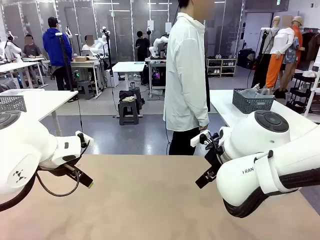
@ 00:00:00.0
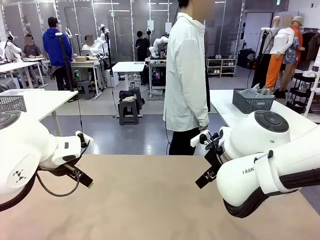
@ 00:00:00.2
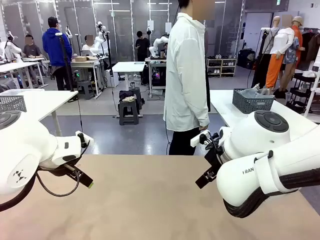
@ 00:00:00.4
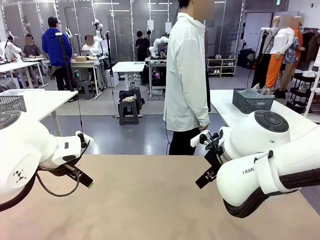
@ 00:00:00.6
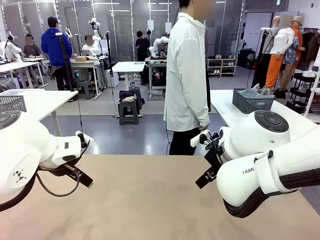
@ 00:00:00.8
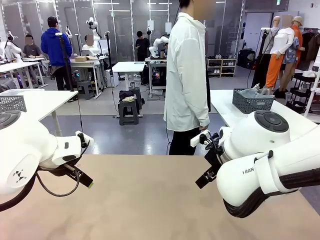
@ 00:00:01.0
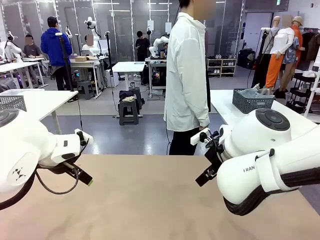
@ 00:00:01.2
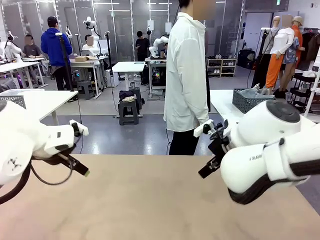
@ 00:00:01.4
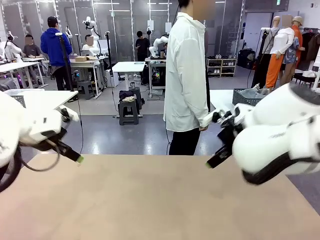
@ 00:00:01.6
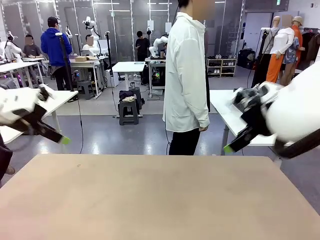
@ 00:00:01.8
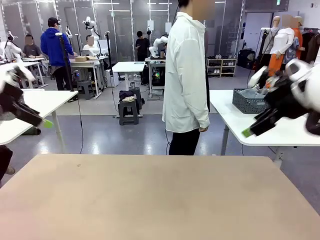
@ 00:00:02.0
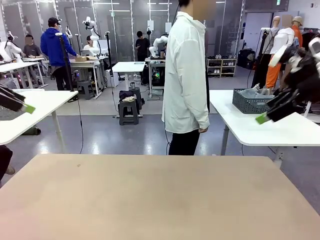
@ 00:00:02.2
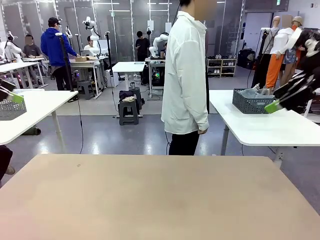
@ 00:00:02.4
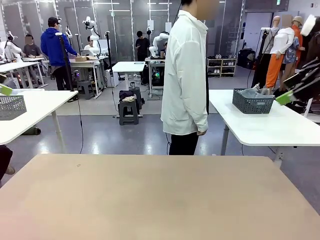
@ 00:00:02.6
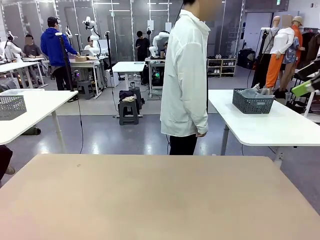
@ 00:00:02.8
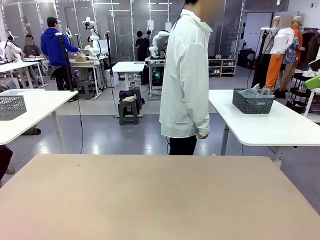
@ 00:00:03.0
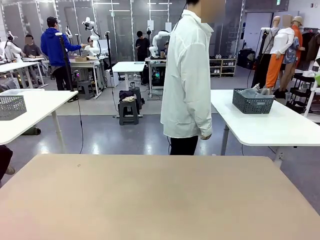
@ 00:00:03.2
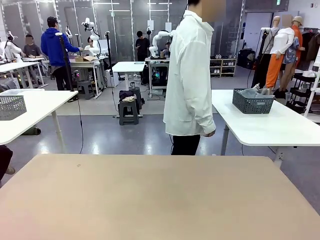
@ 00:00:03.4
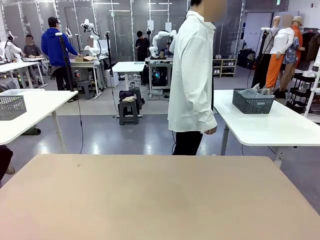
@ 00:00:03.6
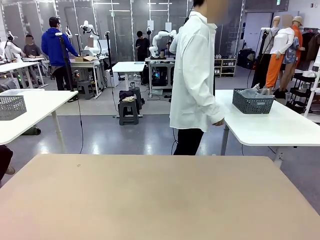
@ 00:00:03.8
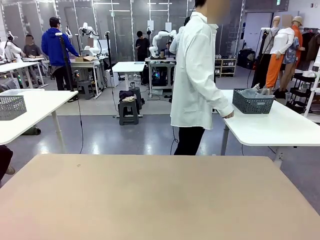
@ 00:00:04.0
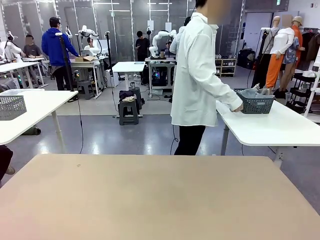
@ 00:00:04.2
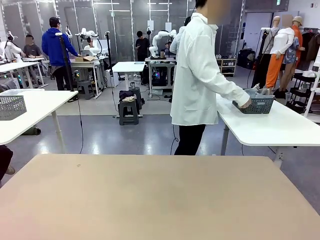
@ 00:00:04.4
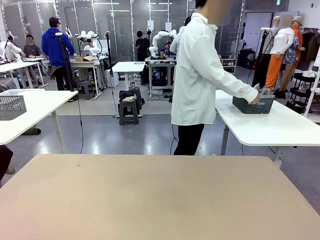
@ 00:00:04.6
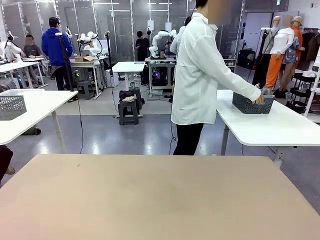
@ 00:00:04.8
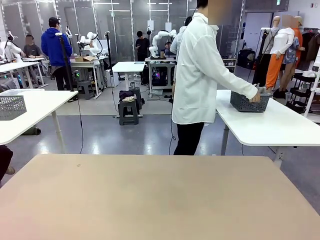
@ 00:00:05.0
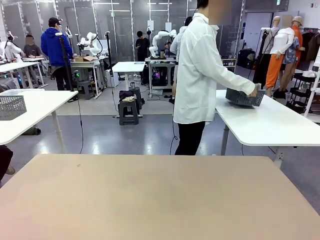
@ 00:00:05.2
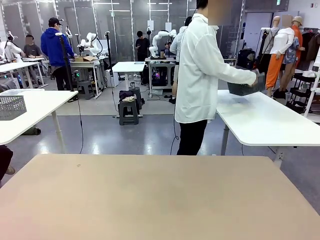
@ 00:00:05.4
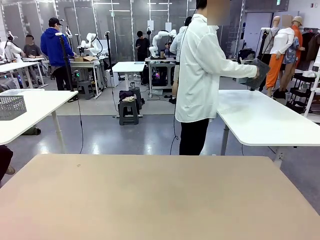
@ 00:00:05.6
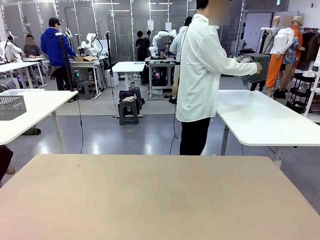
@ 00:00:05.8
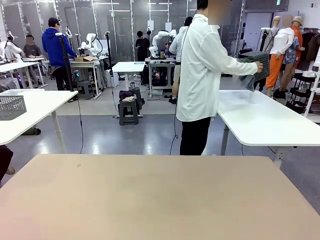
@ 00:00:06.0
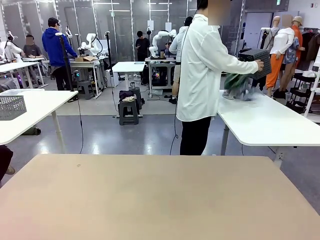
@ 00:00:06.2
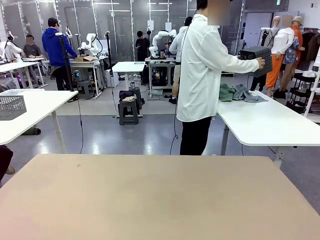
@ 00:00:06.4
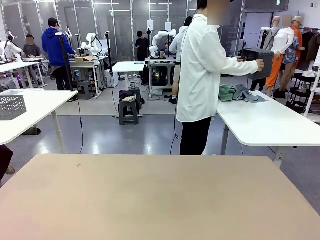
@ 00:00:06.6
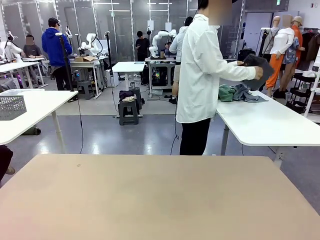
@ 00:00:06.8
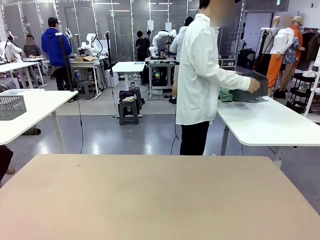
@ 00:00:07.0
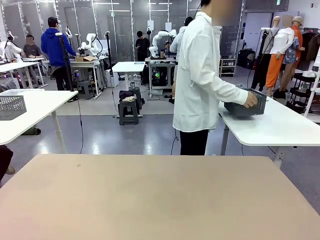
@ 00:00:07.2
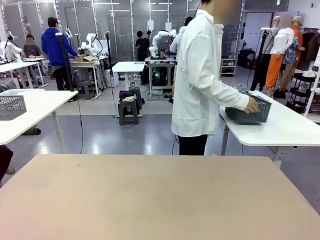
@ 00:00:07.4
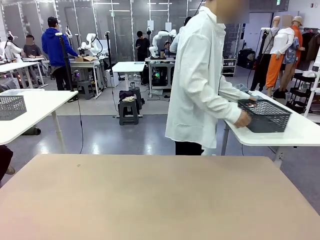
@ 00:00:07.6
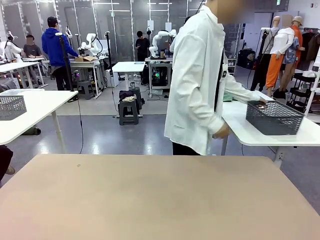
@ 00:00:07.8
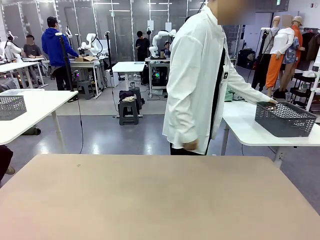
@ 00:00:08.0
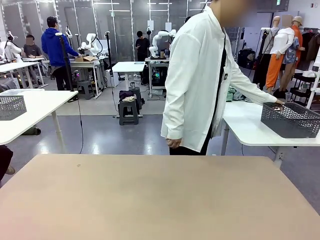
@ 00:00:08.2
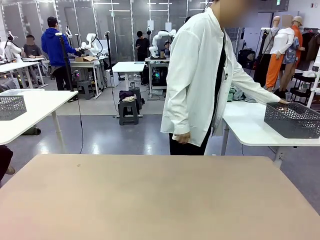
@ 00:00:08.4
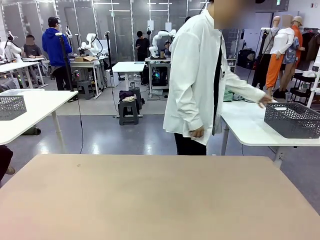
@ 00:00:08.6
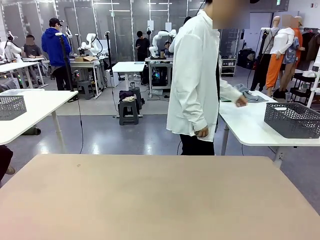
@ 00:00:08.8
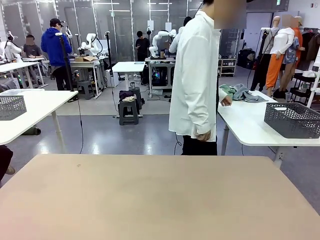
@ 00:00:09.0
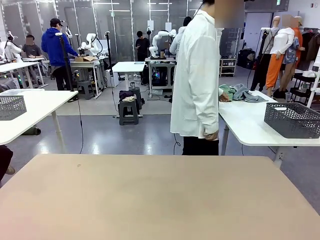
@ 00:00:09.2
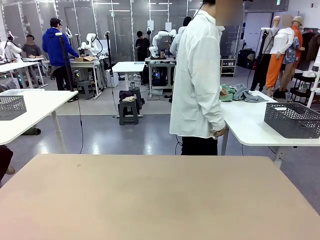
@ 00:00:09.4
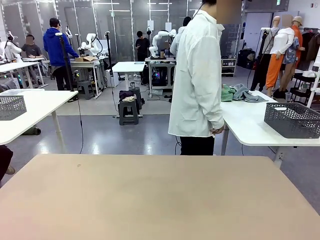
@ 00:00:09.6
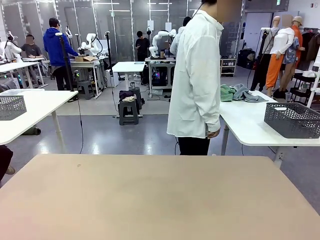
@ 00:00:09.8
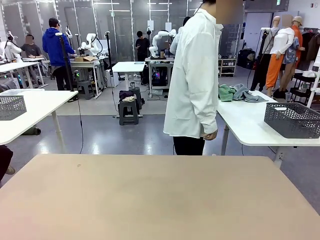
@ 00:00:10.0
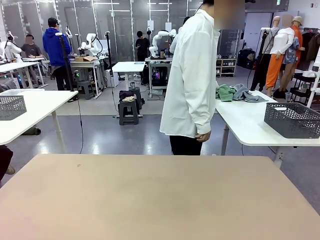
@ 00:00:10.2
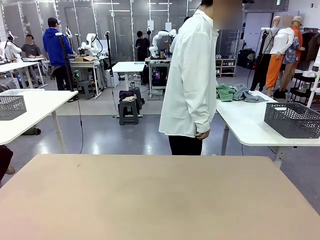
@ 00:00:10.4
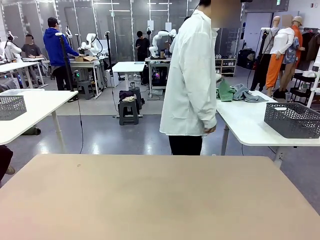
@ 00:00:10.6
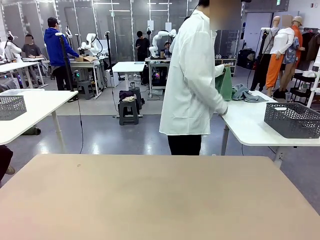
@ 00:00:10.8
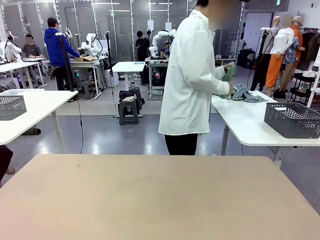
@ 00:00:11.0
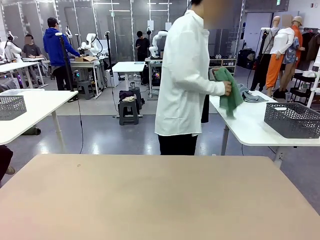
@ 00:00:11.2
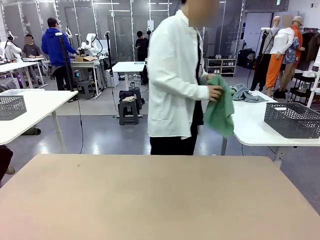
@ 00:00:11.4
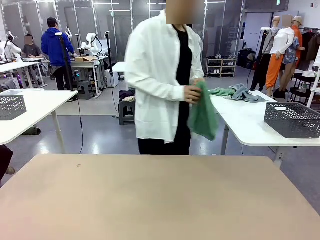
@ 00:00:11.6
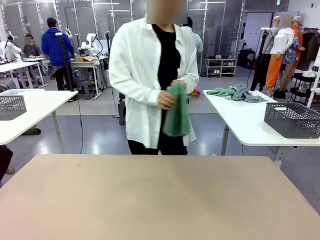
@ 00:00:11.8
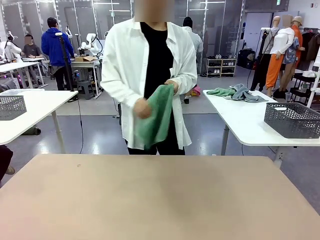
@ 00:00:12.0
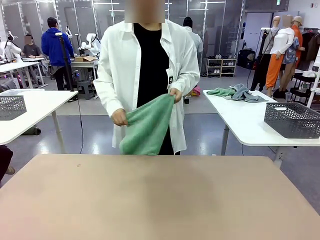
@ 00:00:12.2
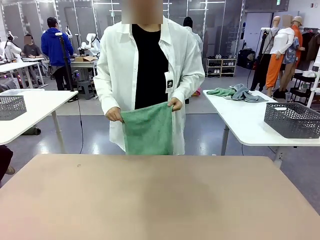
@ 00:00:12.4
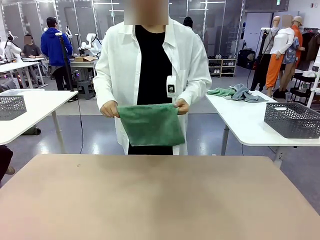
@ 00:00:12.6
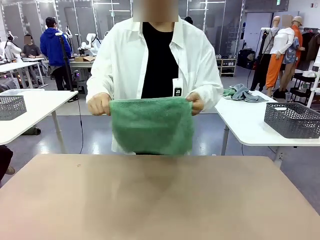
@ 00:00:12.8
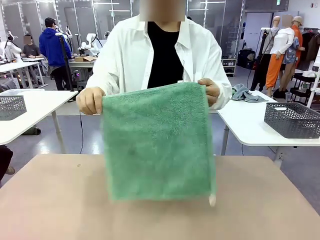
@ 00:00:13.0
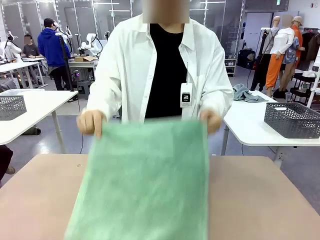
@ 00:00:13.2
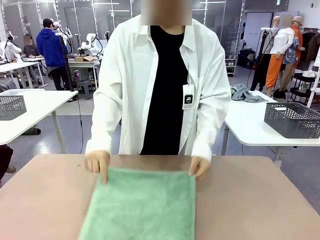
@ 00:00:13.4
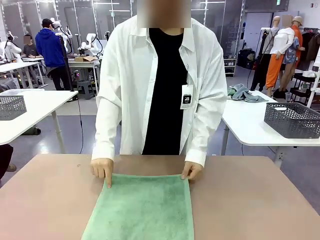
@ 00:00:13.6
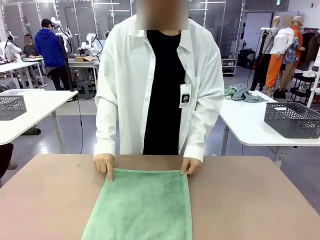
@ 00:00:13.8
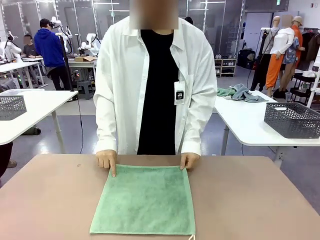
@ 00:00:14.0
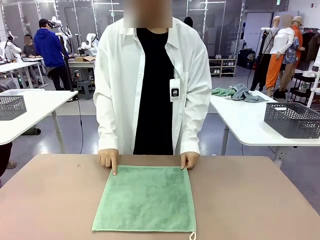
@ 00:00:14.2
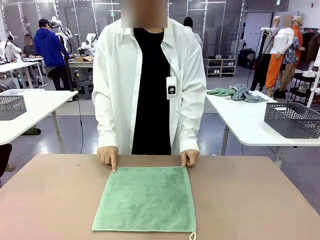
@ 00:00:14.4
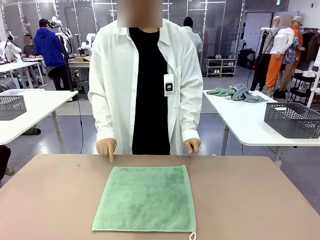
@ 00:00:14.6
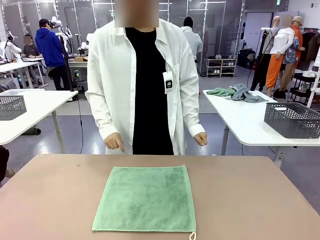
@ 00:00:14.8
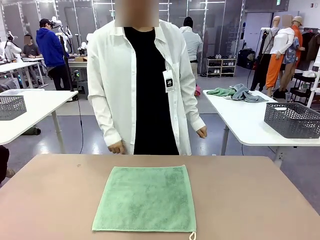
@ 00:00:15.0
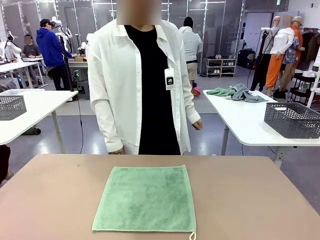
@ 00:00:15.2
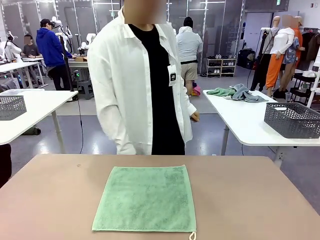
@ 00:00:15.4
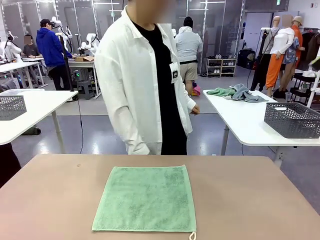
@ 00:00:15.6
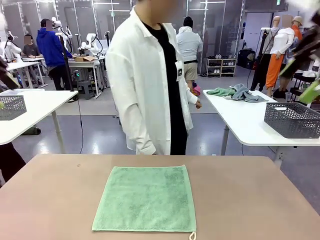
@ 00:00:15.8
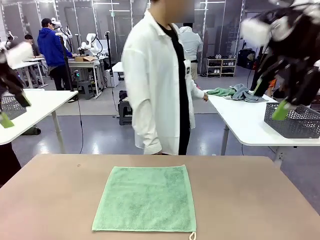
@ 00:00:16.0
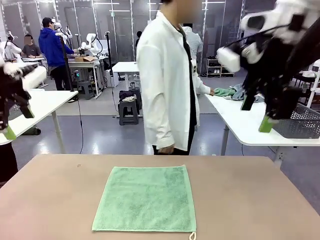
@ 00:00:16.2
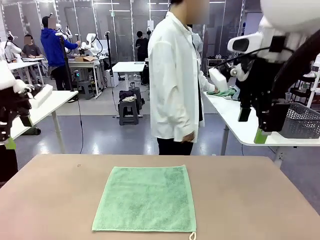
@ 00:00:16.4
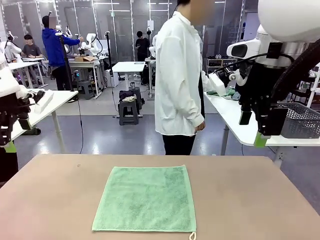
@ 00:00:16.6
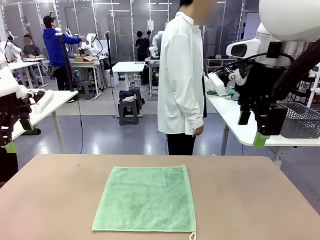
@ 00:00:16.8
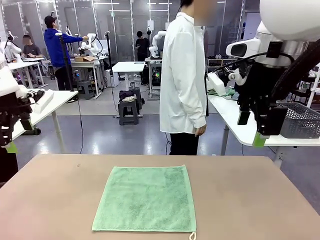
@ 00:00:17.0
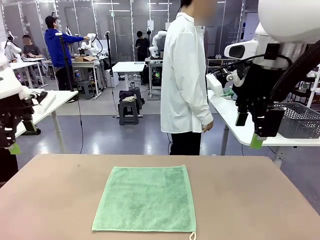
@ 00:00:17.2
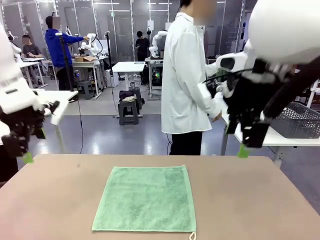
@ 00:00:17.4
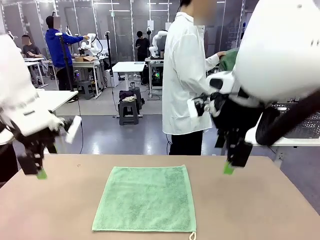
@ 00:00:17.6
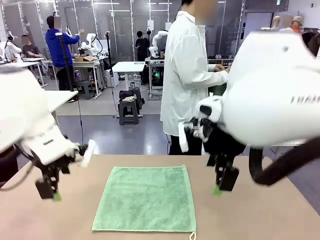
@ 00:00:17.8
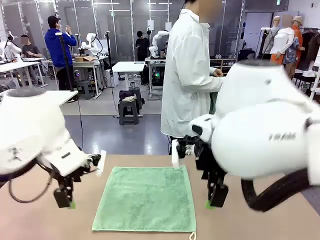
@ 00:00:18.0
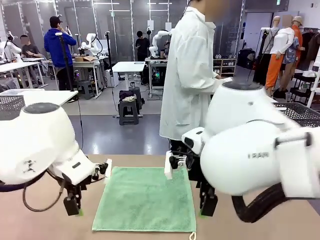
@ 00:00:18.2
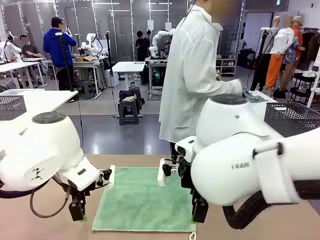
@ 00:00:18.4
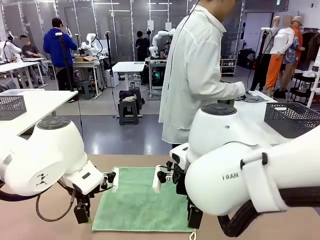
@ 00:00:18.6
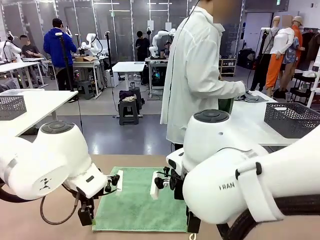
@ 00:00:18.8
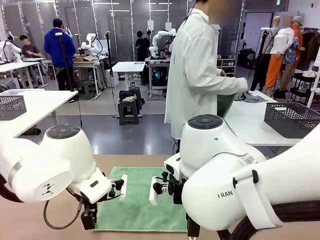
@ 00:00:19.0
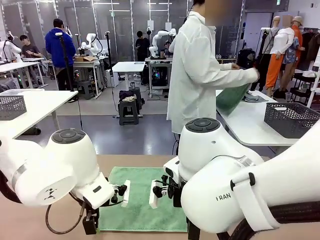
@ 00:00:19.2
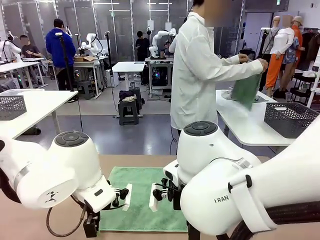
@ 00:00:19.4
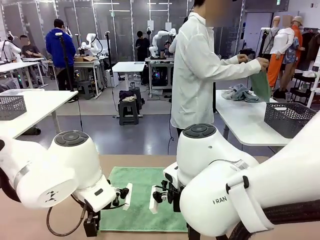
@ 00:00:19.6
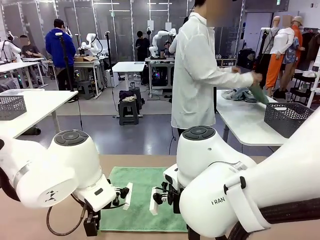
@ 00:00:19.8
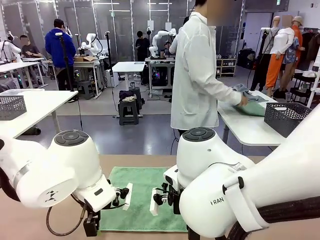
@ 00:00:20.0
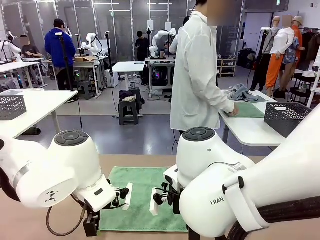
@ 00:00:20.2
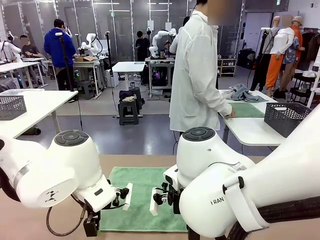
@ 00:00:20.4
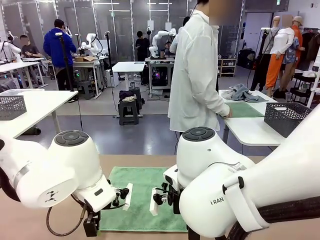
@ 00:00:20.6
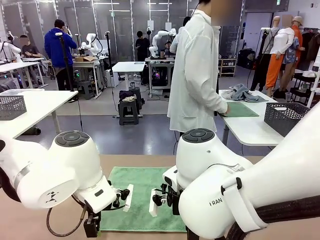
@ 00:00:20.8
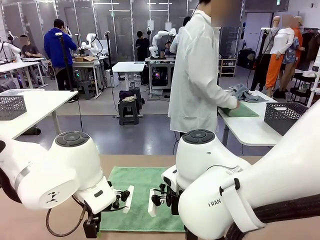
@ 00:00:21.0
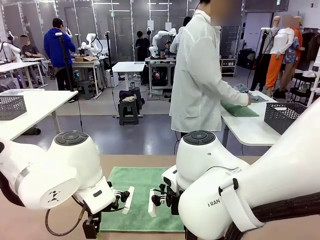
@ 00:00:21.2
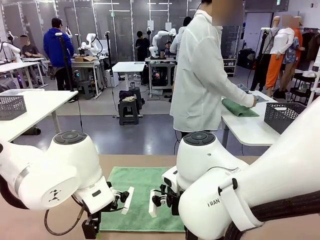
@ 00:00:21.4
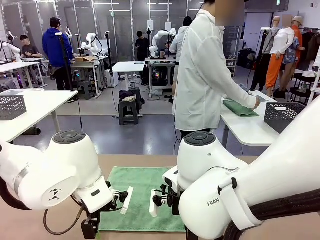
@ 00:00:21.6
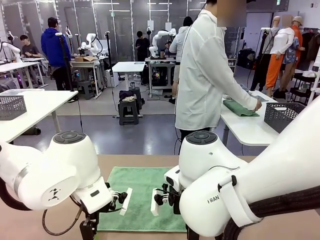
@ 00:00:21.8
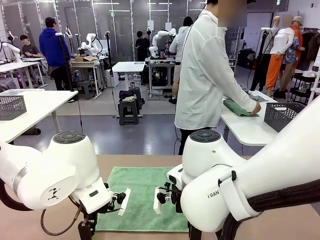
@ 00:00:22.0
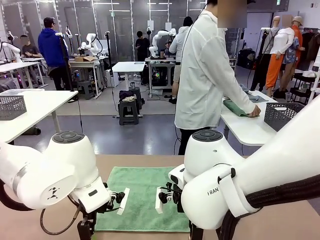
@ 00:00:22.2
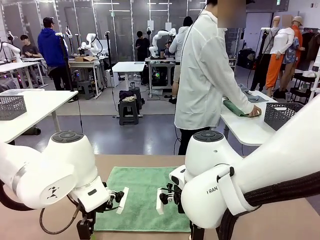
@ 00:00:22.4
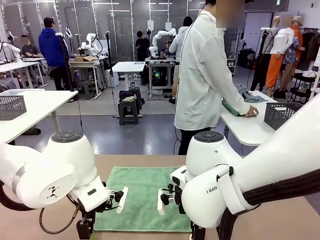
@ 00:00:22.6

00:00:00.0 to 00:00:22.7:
Task: Fold the towels and place them in the basket.
Robot: When a person lays out a Towel with hook on the table, fold it in half twice.
Person: Pick up the basket, pour the towels onto the left side of the human table, and place the basket on the right side. Pick up one towel and spread it out at the center of the robot table. Pick up one towel from the left side of the human table, fold it in half twice, and place it on the right side of the table.
